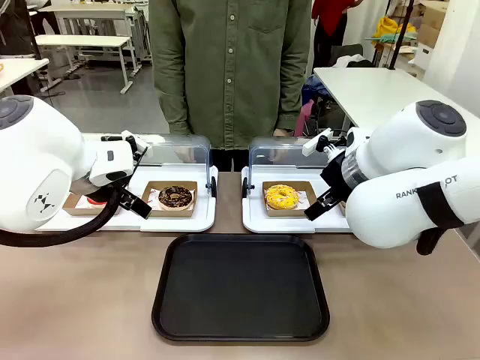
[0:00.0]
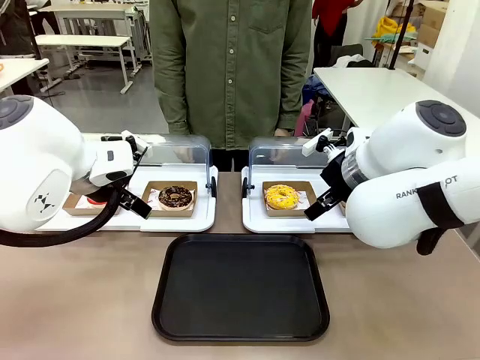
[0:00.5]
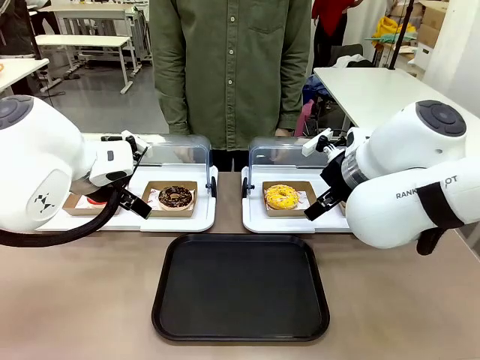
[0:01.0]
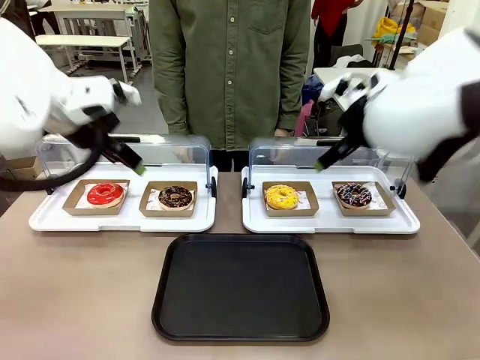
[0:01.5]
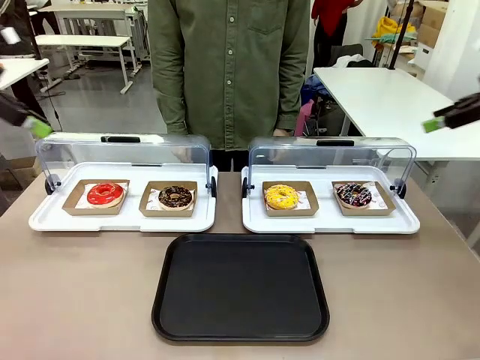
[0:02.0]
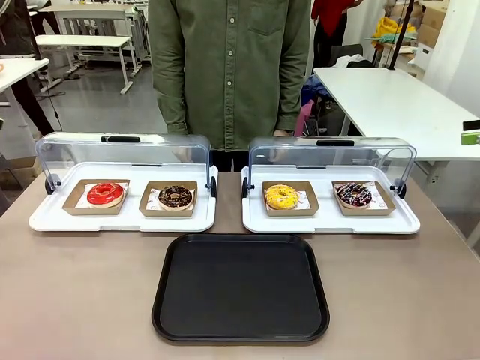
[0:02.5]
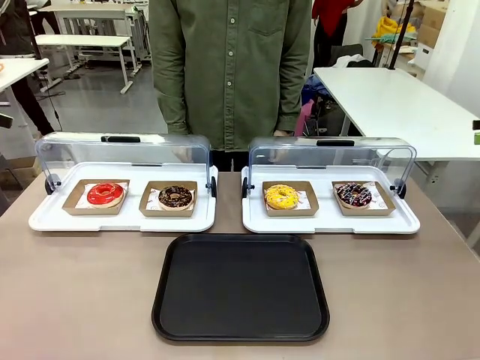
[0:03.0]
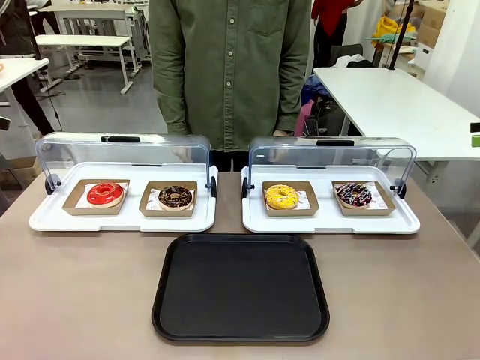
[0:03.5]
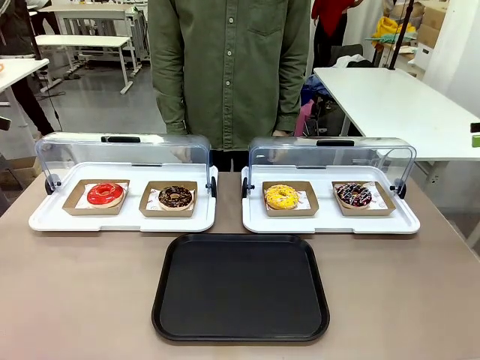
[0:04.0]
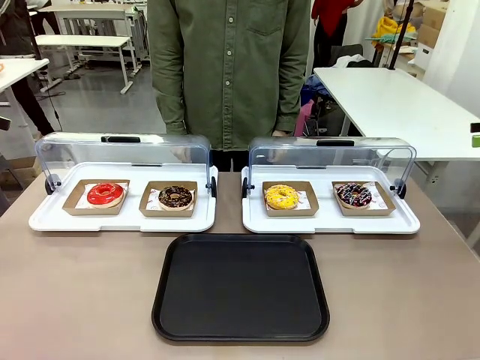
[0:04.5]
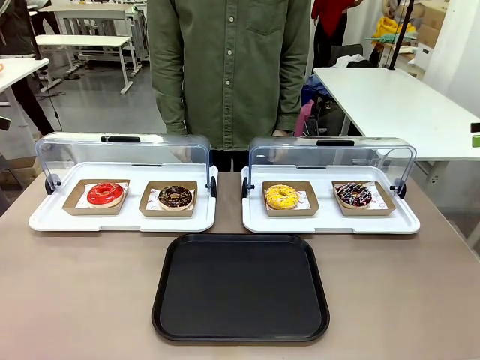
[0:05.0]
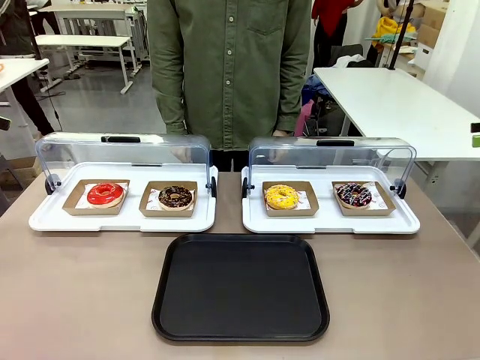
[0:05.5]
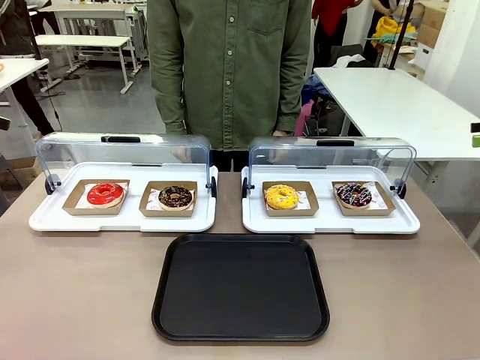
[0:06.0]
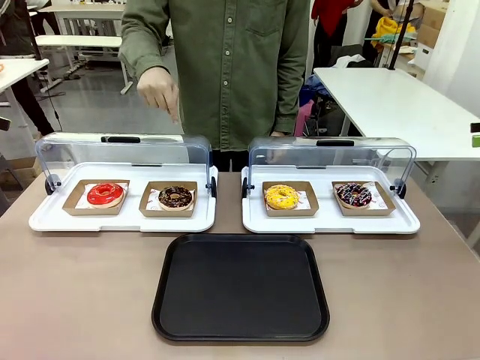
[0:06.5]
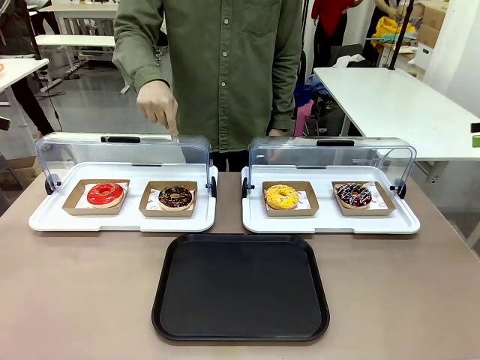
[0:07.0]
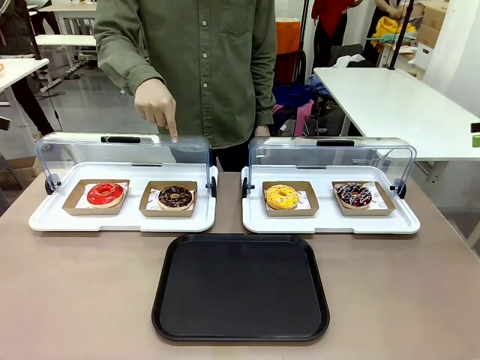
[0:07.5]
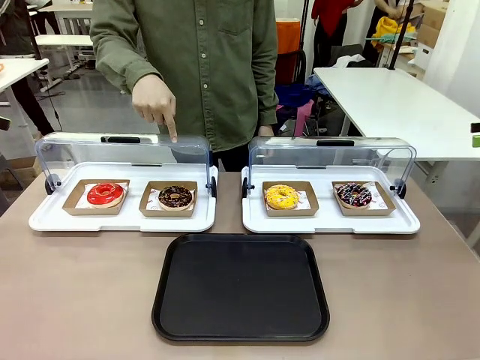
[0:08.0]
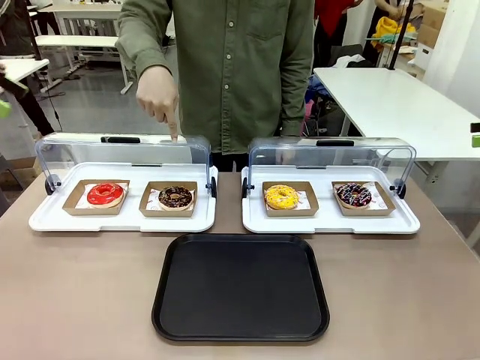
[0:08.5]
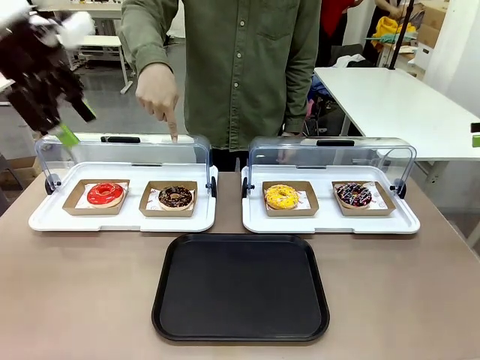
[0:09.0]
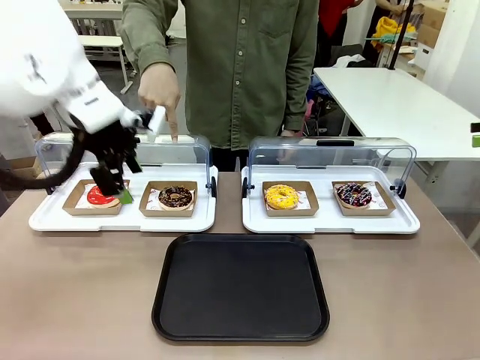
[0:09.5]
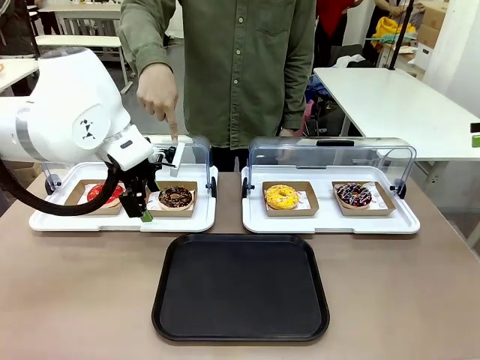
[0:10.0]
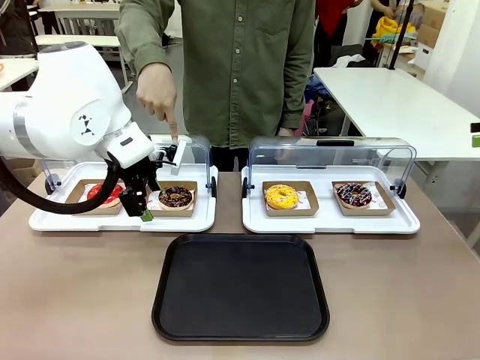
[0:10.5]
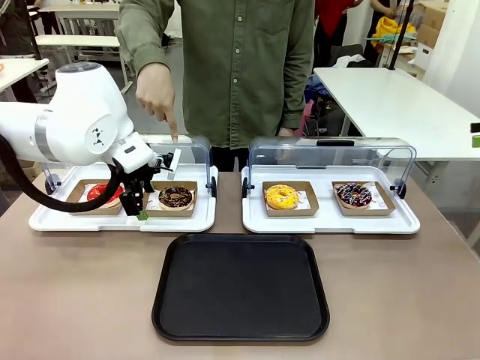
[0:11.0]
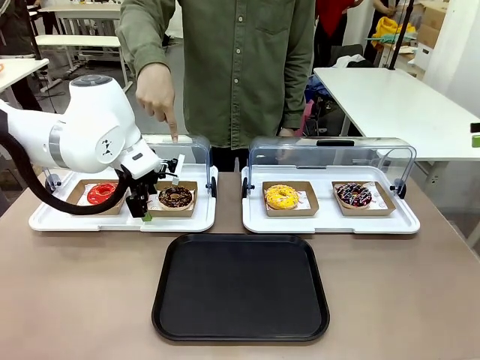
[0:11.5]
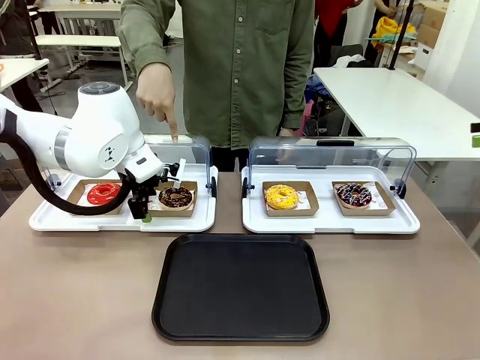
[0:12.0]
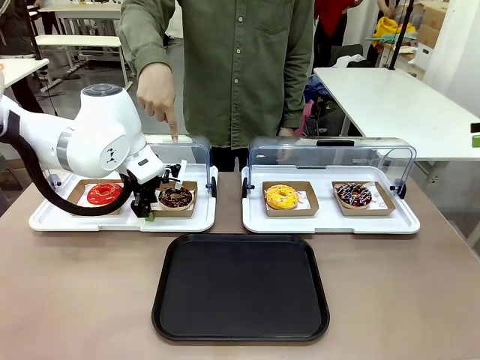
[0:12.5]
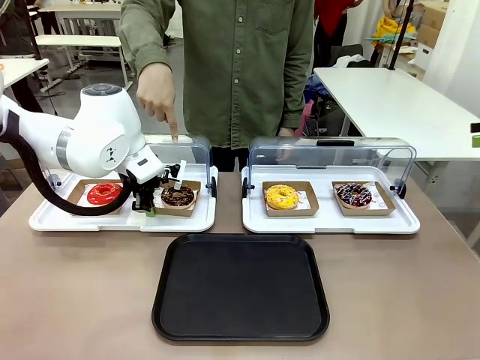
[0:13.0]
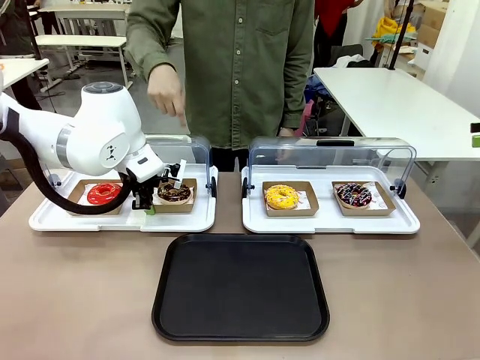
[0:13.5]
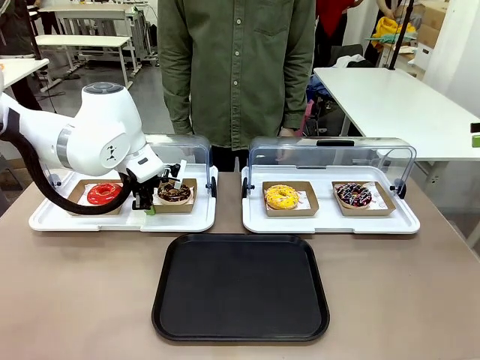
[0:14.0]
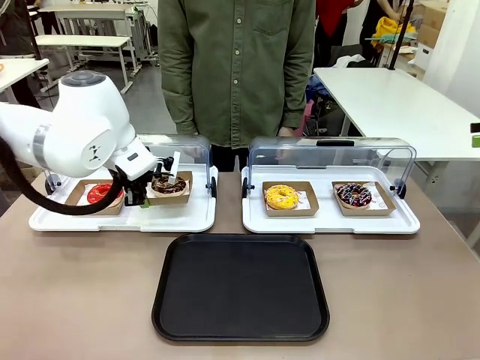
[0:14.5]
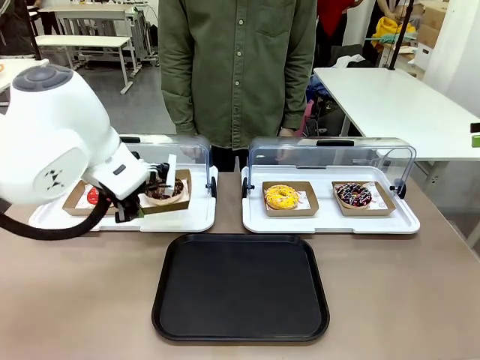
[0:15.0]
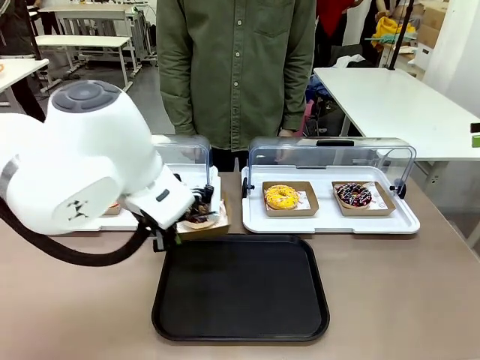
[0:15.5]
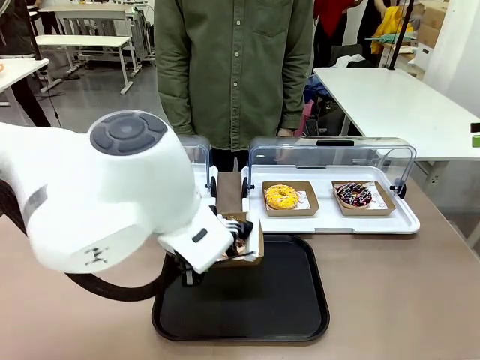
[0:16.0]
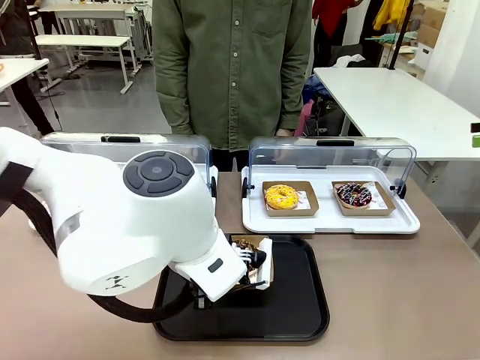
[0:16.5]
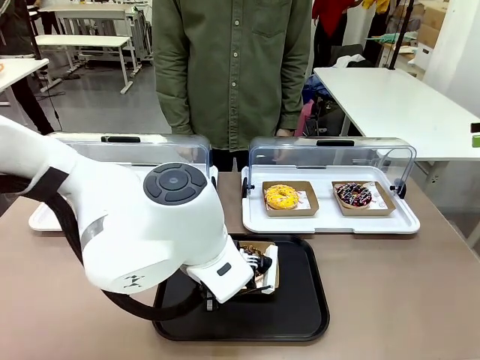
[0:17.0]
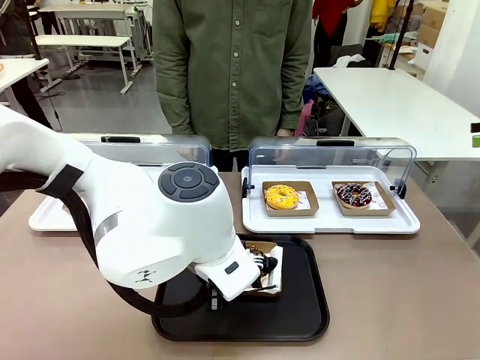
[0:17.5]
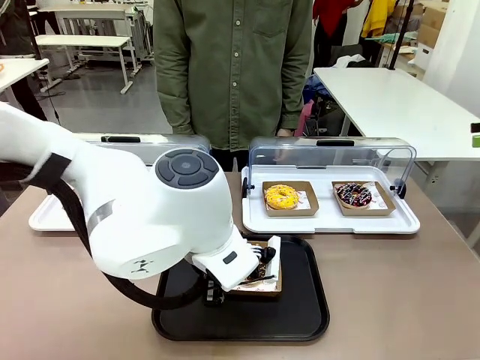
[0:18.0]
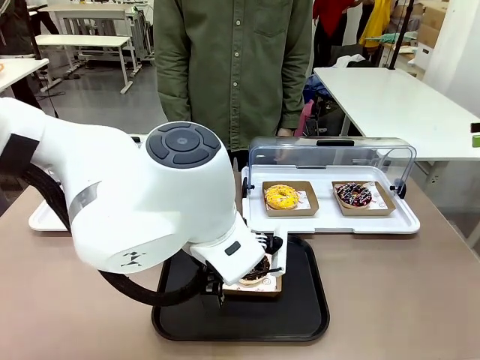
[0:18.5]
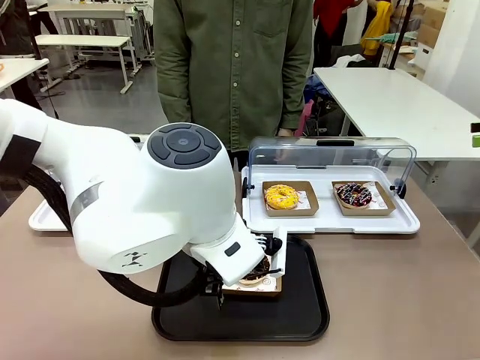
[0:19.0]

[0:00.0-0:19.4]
Task: Move the second donut from the left to the tray.
Robot: Pick up the Paper togo box containing the Donut indicated by the person and place it on the Handle tray.
Person: Points to the second donut from the left from the robot’s perspective.
